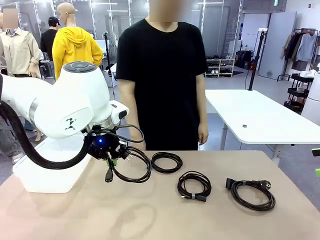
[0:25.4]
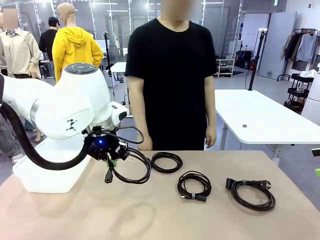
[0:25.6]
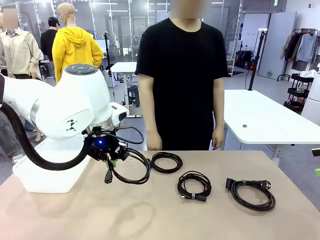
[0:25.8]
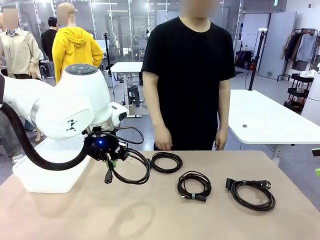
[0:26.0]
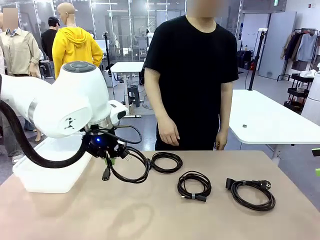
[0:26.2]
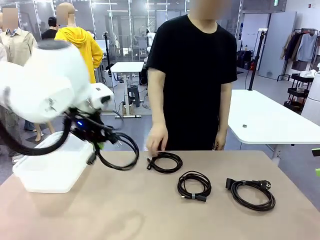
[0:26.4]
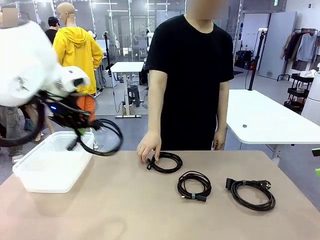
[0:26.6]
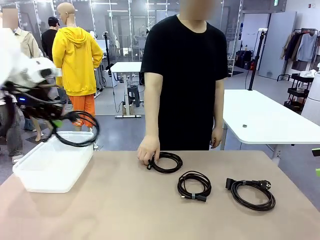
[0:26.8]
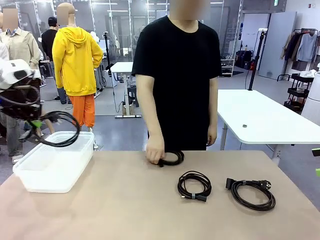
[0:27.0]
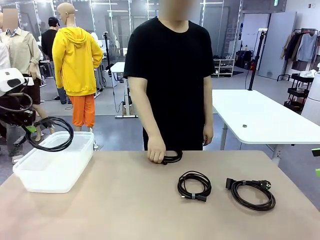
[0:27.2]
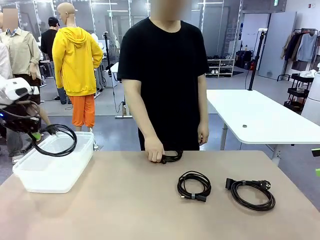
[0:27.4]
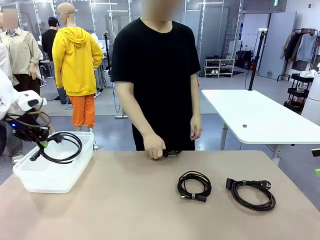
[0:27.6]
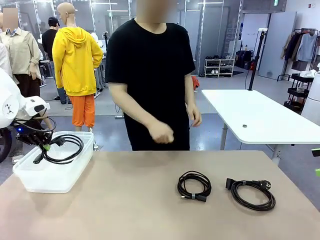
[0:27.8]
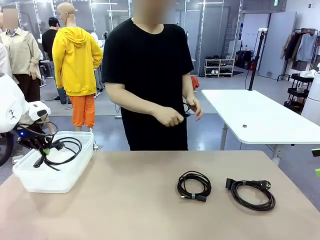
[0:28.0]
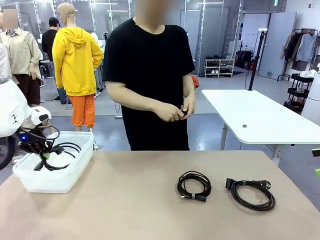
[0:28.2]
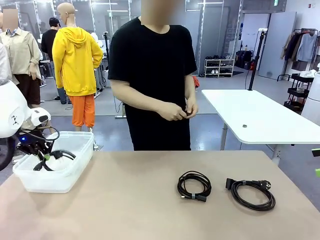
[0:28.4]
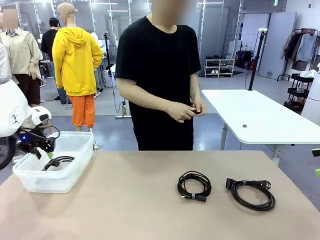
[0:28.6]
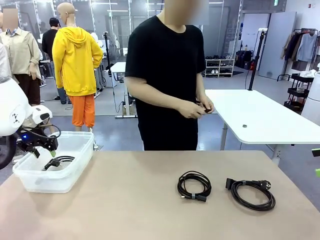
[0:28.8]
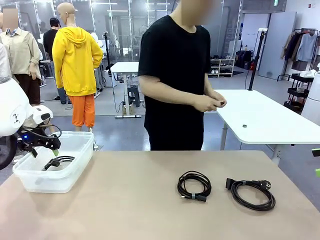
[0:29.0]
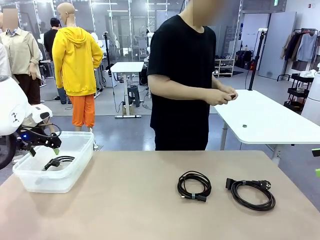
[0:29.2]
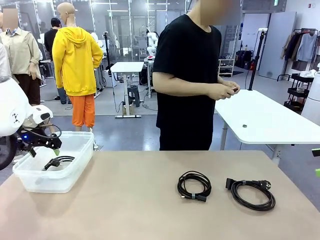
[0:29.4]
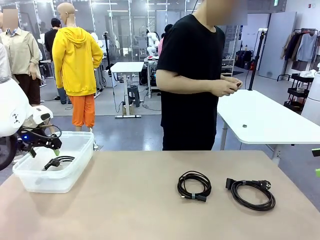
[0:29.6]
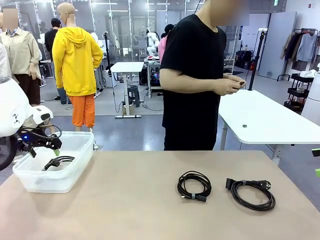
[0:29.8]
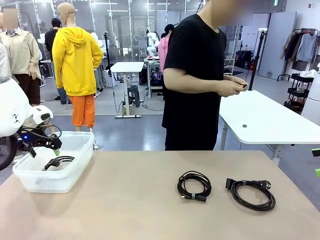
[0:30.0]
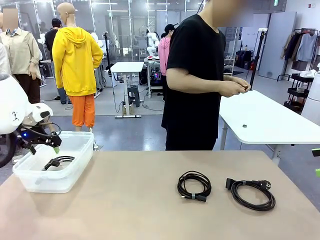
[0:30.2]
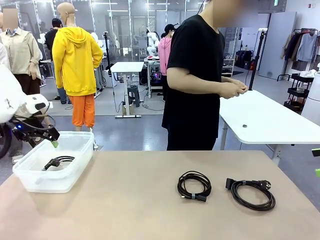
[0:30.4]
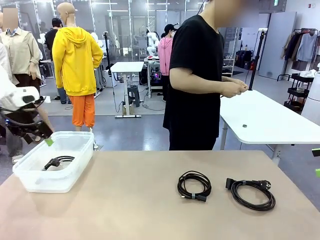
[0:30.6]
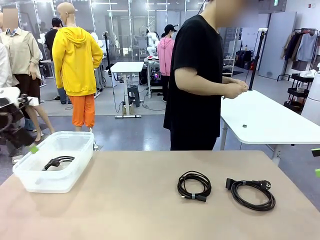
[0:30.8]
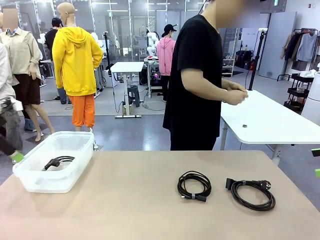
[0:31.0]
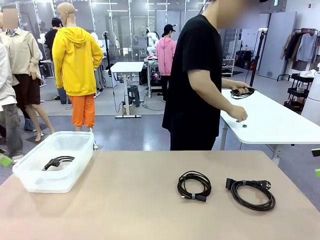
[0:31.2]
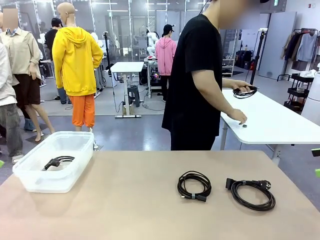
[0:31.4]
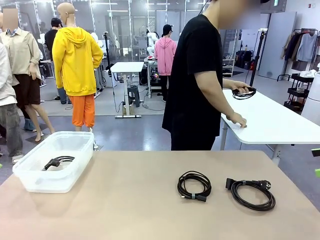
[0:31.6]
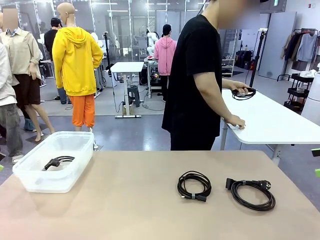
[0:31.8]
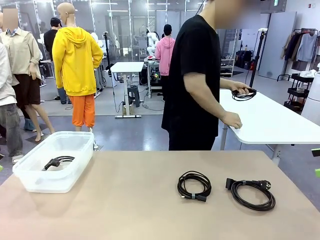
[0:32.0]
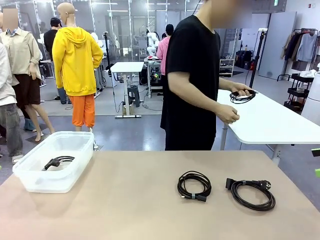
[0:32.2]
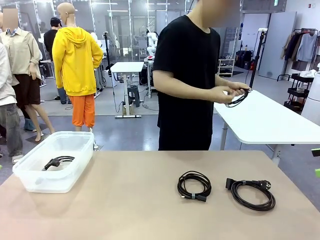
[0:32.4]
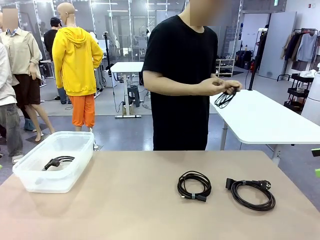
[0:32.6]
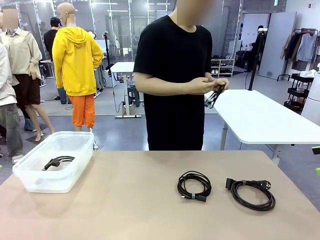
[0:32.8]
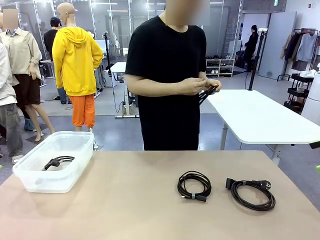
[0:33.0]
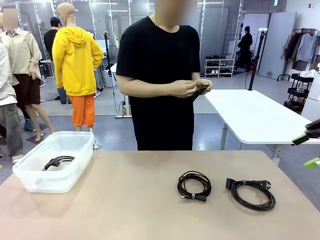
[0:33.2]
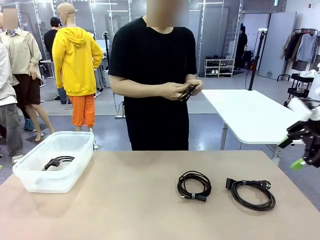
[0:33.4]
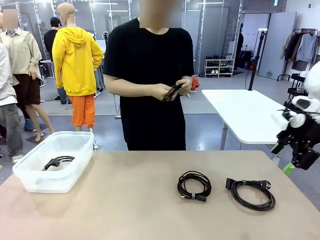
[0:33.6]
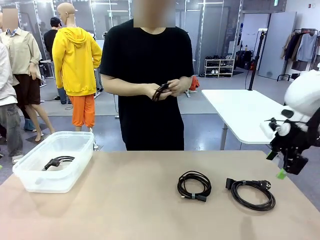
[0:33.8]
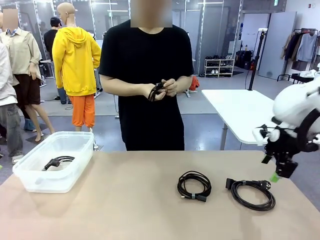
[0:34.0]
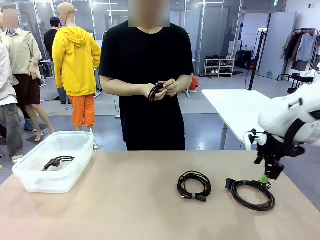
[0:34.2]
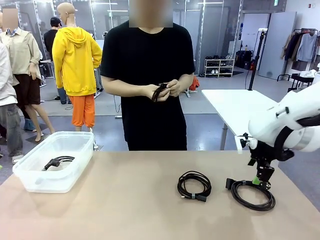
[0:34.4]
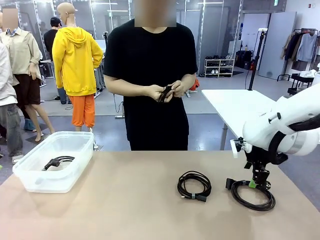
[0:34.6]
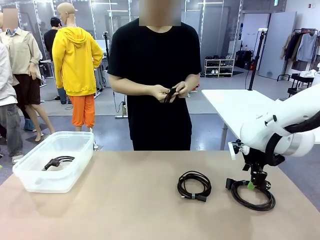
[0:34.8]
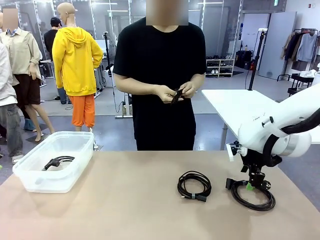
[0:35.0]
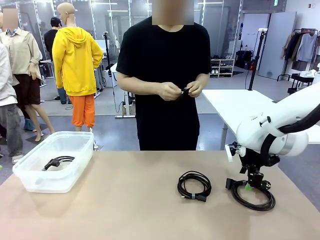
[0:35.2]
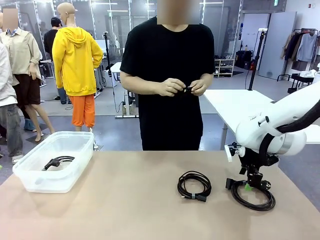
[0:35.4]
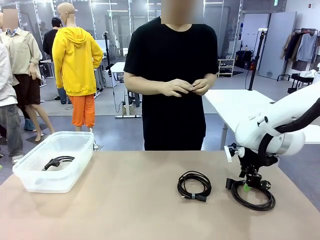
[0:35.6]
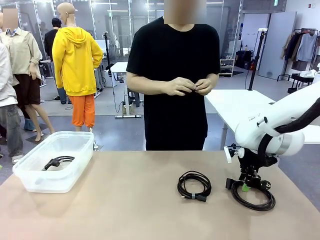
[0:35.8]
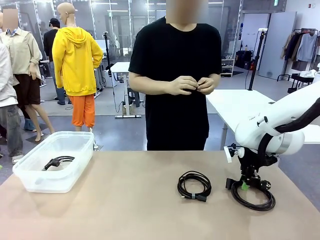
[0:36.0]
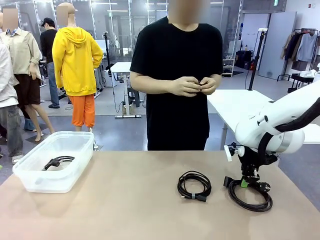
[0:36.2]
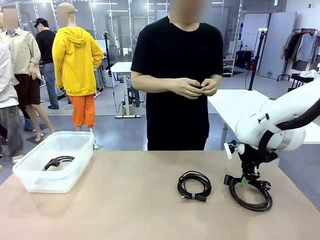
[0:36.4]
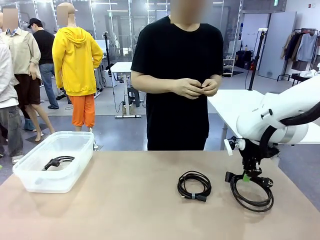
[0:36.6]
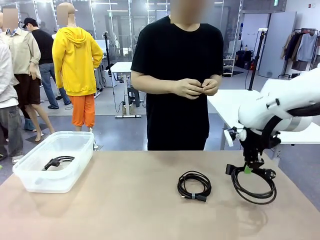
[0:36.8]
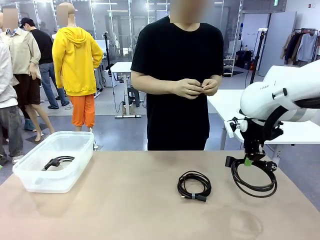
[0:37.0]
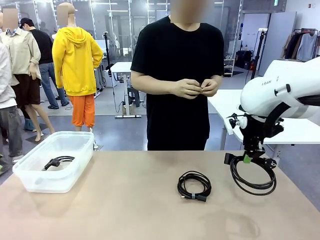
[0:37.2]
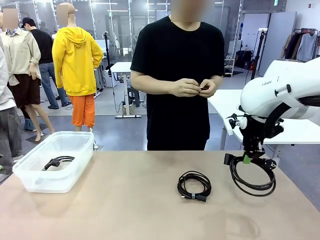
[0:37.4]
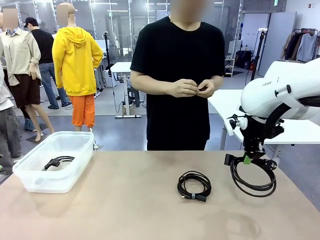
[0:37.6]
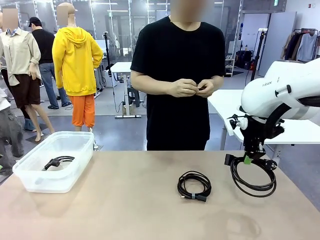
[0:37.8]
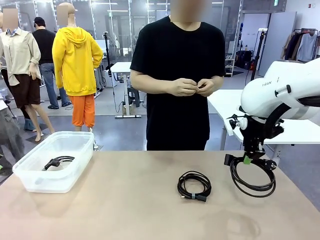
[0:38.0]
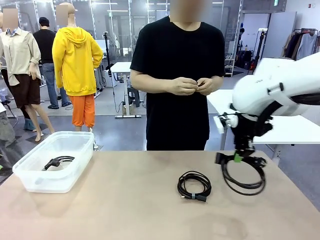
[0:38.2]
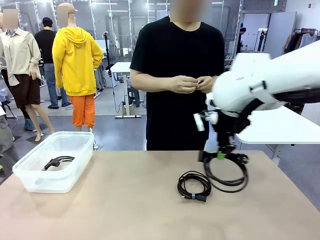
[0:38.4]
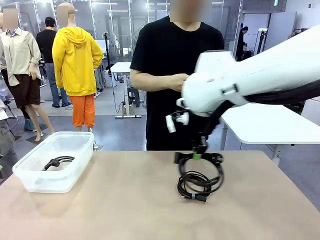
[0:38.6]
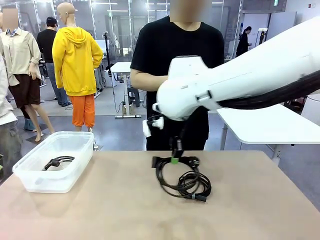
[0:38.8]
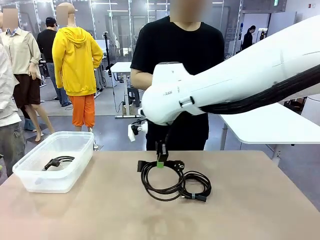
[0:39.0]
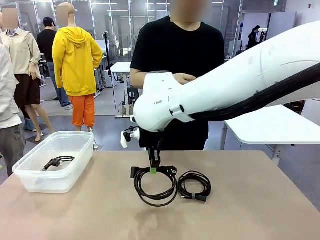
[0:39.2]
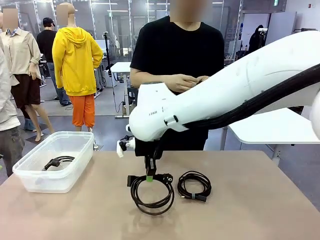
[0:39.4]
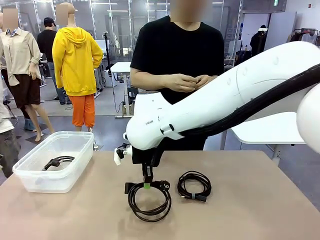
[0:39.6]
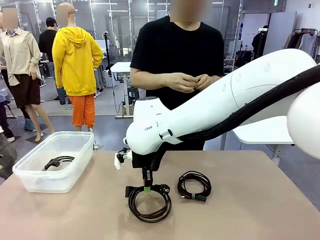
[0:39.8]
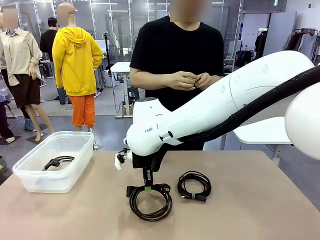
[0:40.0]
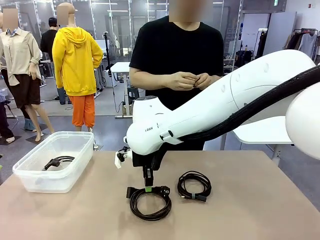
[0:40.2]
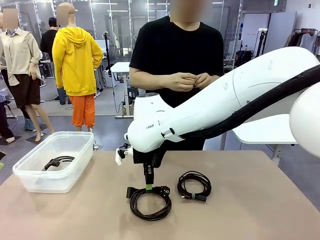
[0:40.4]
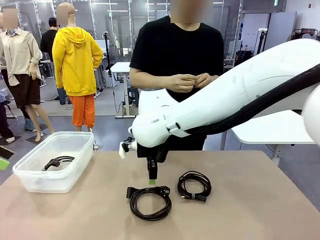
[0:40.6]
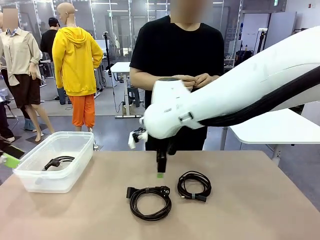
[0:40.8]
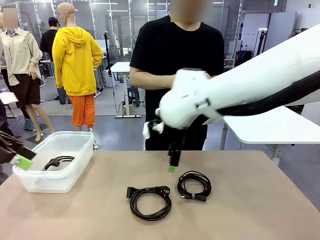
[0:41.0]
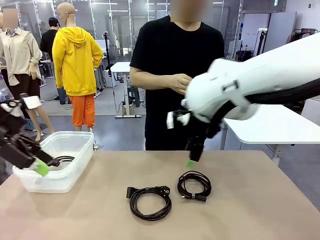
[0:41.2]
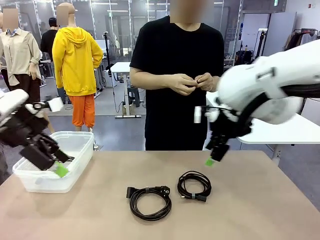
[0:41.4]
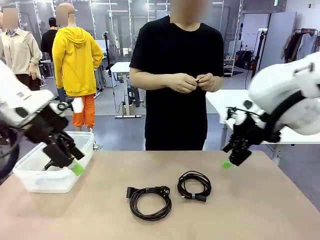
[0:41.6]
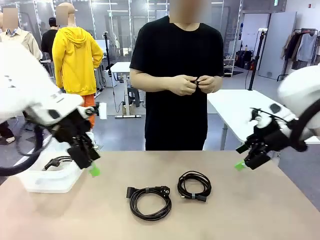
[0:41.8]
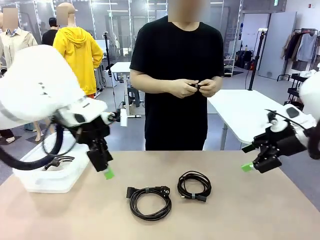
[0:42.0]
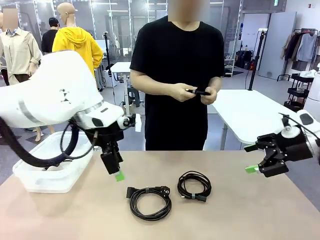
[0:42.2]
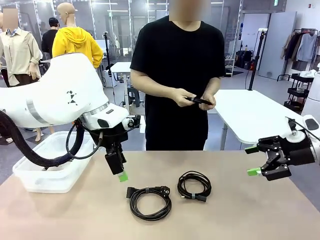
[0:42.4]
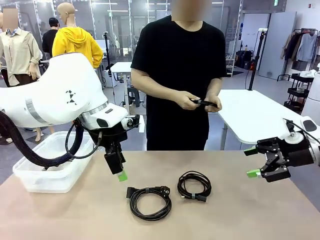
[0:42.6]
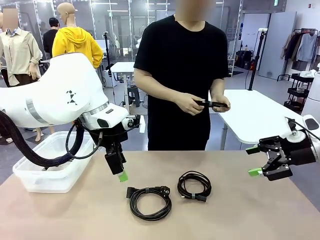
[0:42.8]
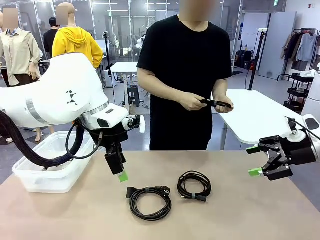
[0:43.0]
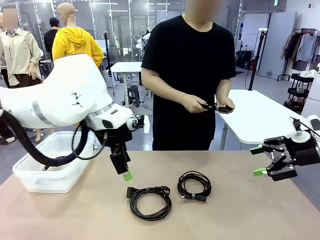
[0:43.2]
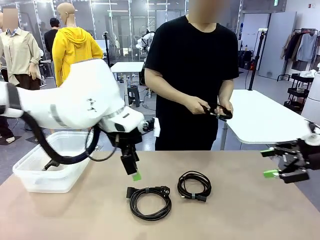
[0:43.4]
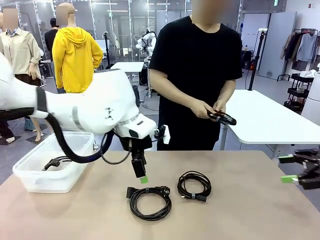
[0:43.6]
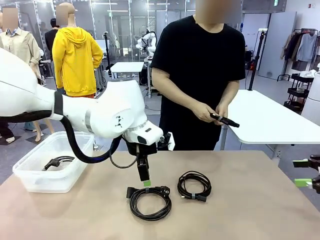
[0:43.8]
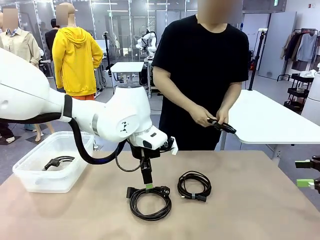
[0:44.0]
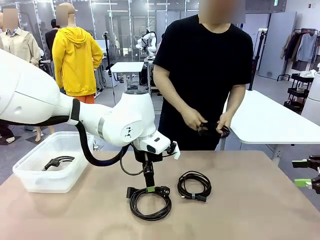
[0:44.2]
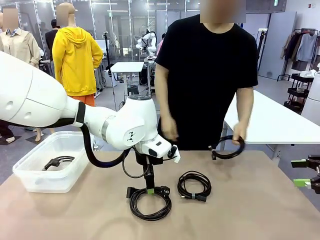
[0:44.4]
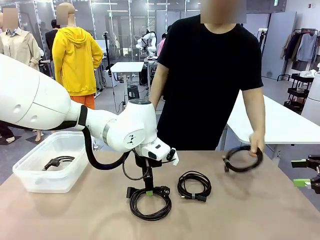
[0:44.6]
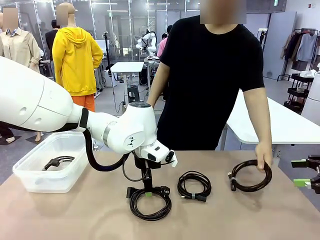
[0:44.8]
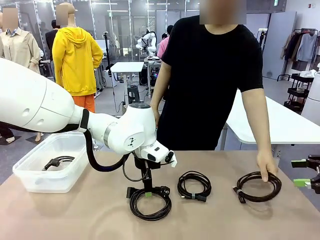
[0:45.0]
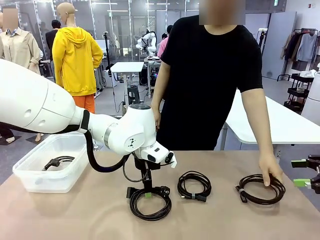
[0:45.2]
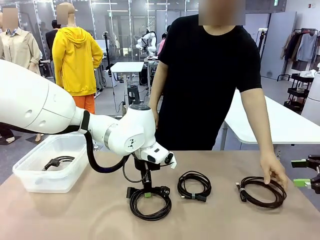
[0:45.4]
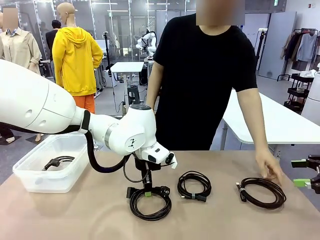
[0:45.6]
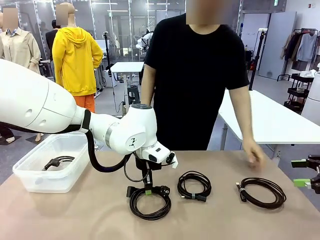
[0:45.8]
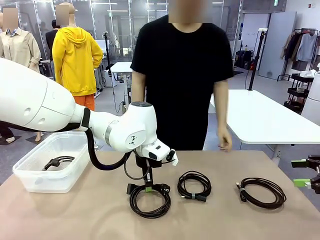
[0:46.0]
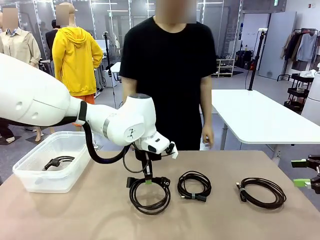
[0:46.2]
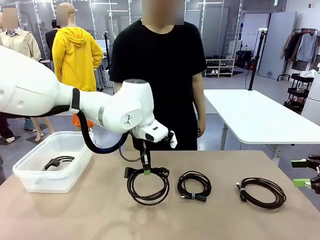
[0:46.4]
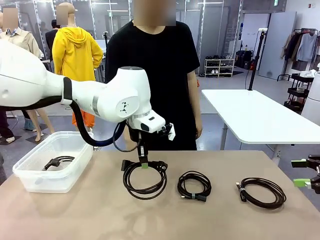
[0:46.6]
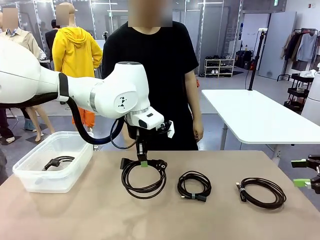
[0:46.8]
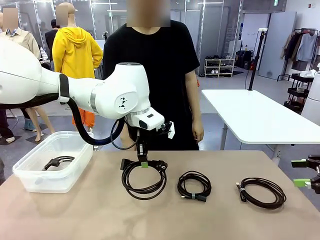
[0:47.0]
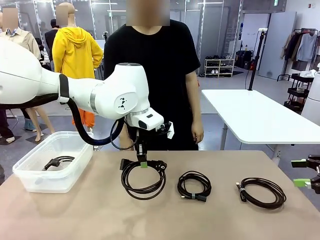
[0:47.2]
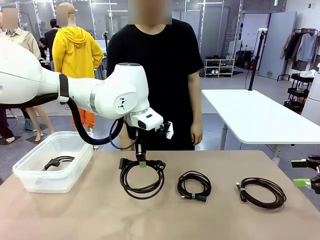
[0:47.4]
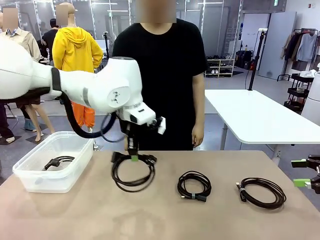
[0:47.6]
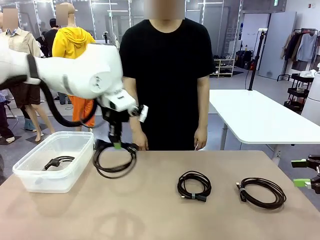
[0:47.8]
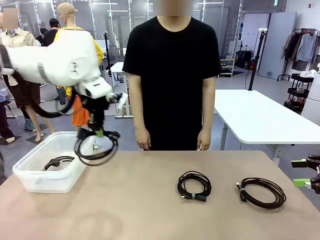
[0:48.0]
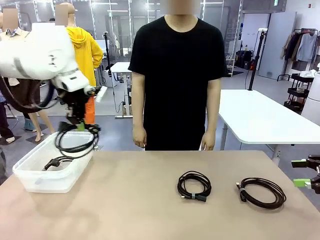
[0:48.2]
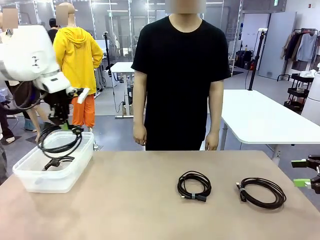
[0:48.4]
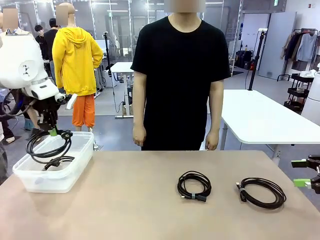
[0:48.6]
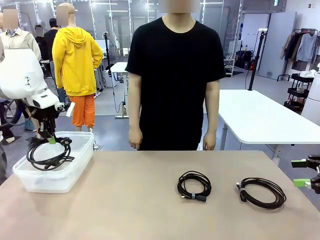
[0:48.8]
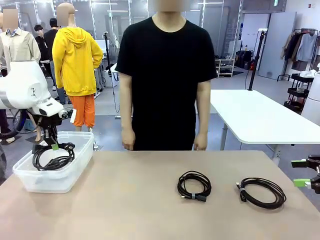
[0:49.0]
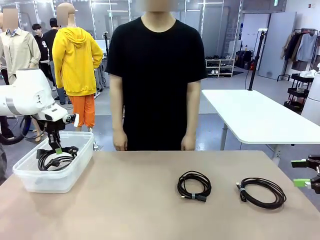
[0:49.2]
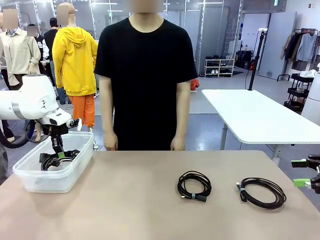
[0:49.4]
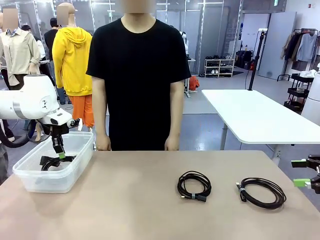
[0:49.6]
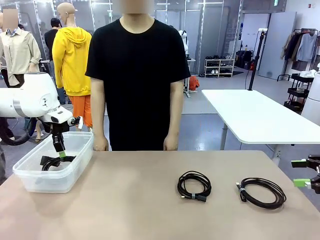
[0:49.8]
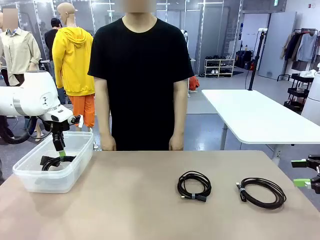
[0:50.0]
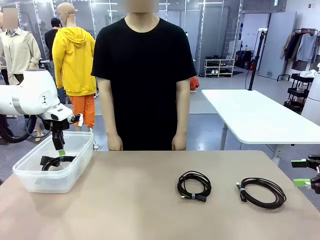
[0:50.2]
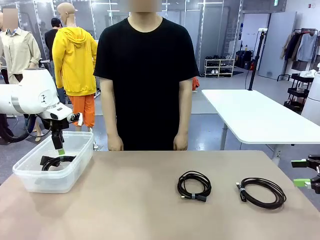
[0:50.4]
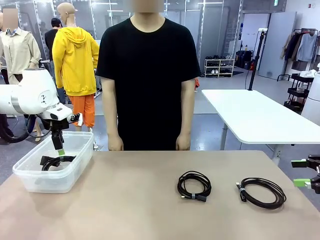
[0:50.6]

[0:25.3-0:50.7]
Task: Organize and store the cables.
Robot: Place the Power Cable into the Organizing box.
